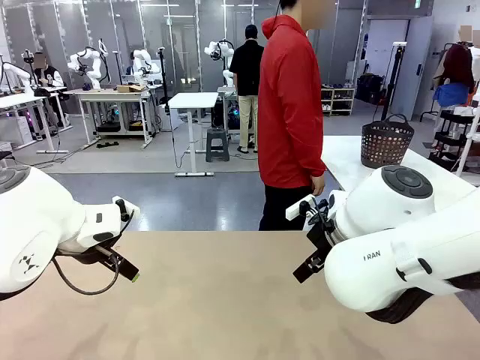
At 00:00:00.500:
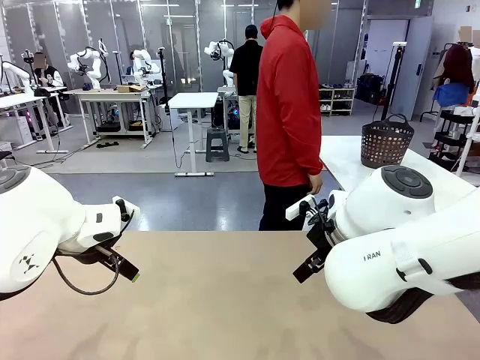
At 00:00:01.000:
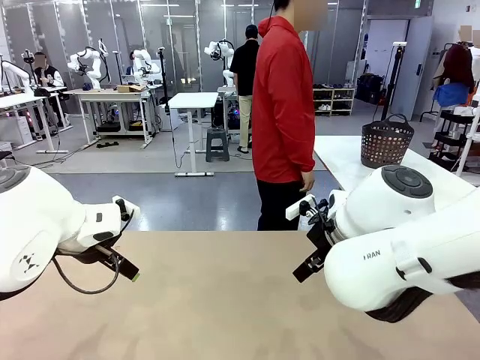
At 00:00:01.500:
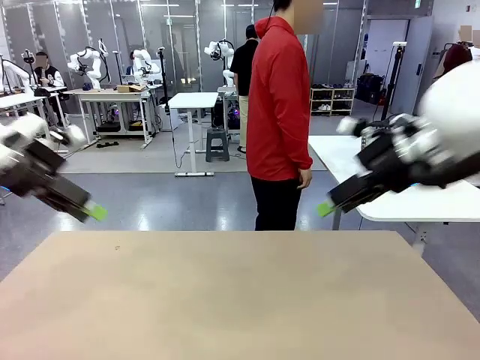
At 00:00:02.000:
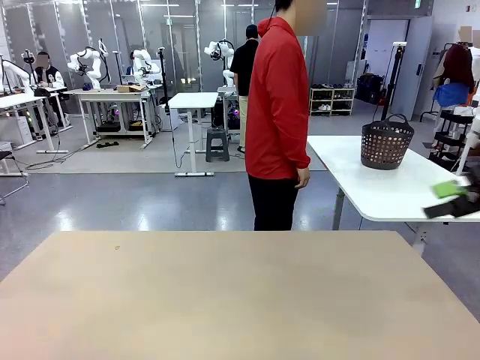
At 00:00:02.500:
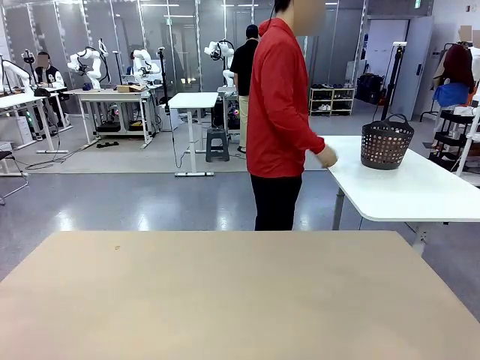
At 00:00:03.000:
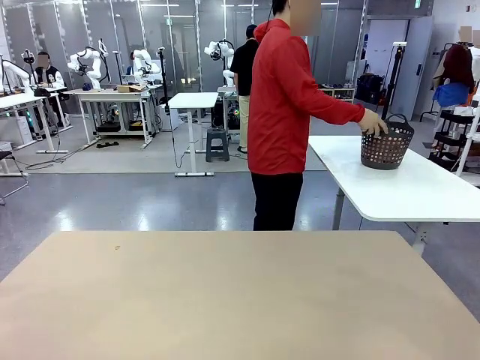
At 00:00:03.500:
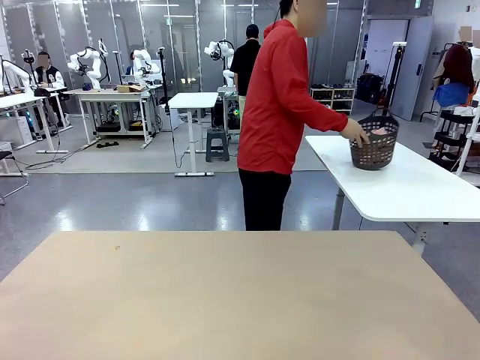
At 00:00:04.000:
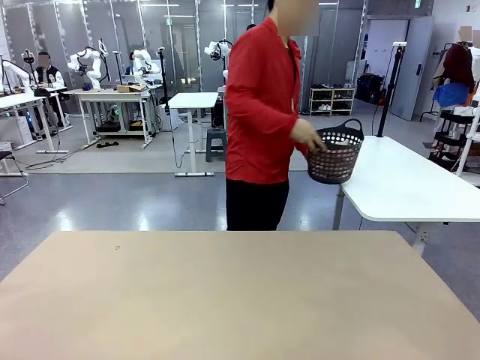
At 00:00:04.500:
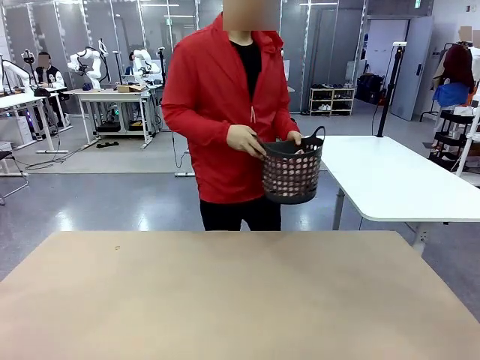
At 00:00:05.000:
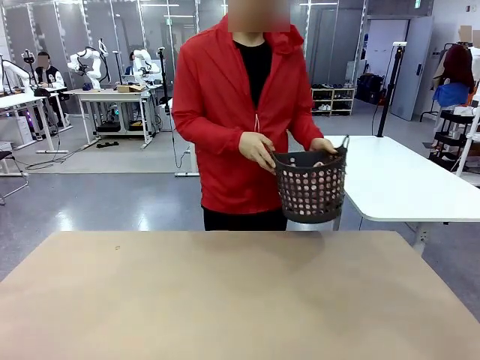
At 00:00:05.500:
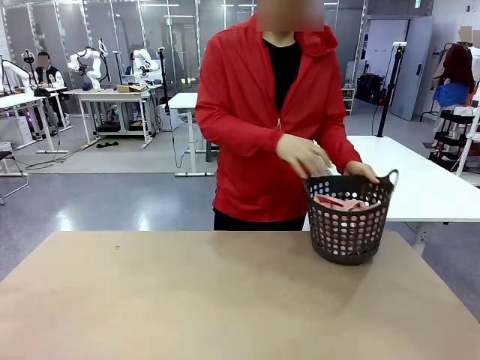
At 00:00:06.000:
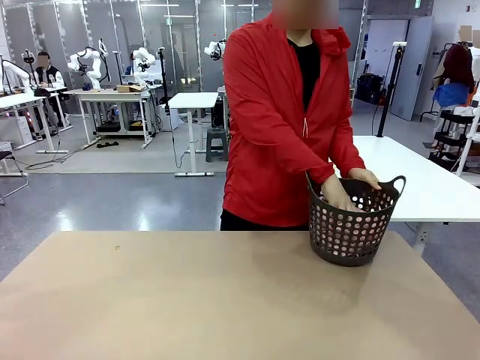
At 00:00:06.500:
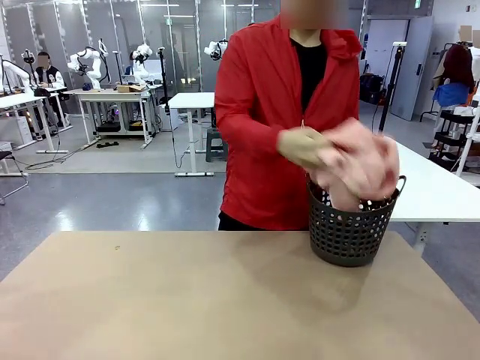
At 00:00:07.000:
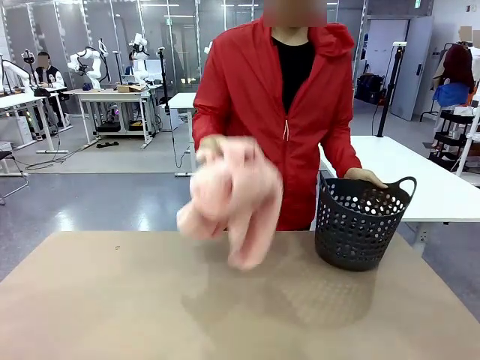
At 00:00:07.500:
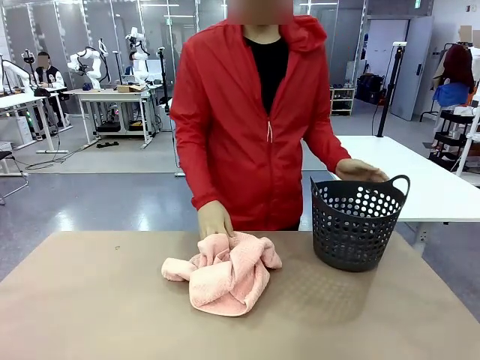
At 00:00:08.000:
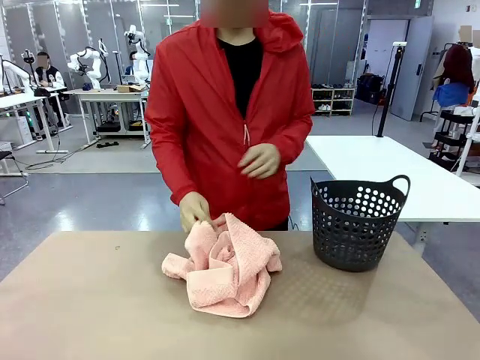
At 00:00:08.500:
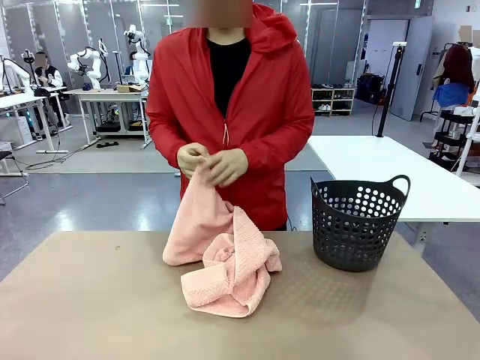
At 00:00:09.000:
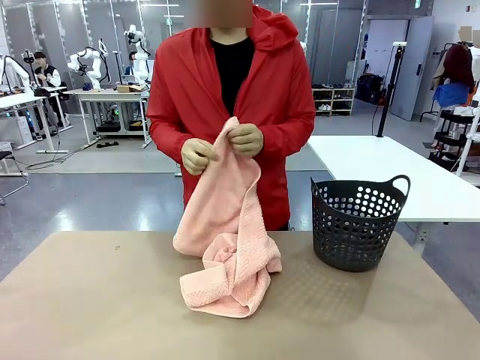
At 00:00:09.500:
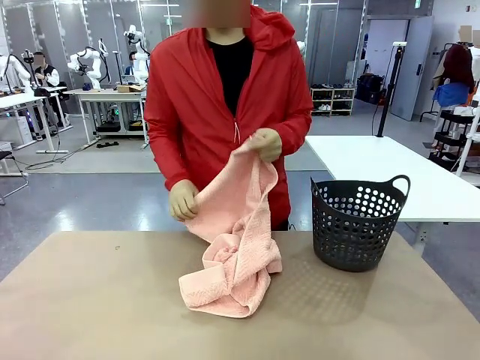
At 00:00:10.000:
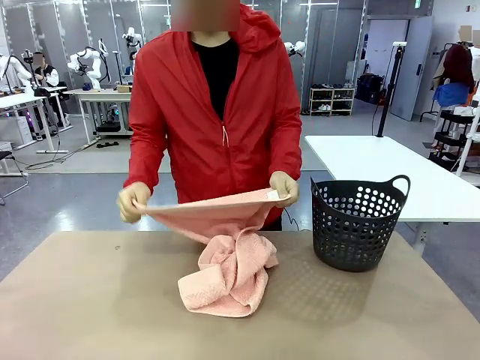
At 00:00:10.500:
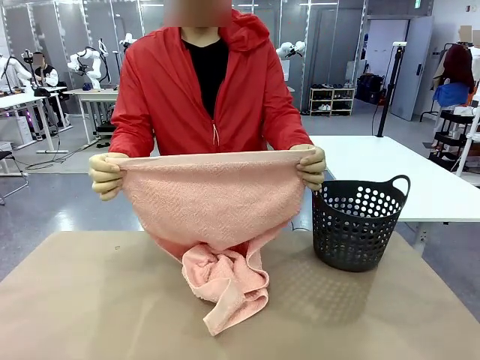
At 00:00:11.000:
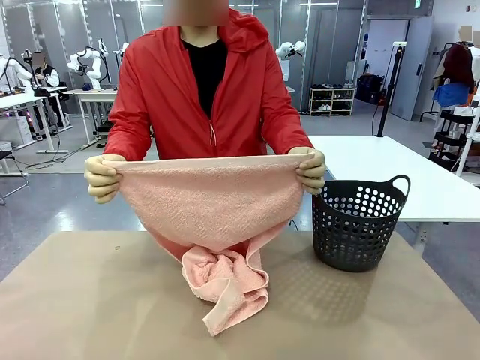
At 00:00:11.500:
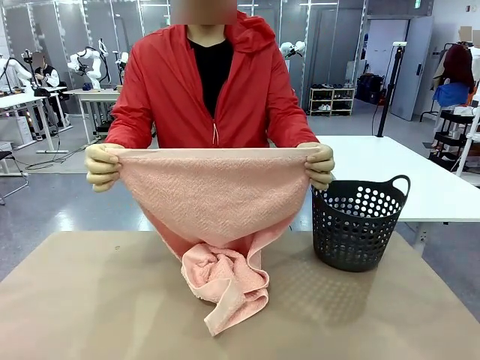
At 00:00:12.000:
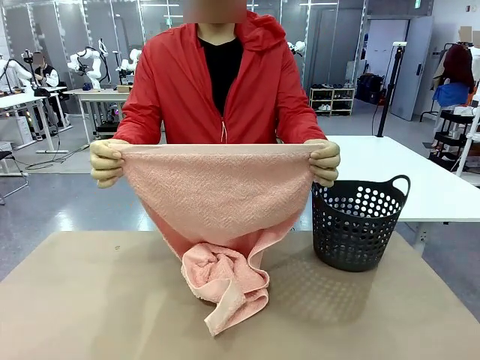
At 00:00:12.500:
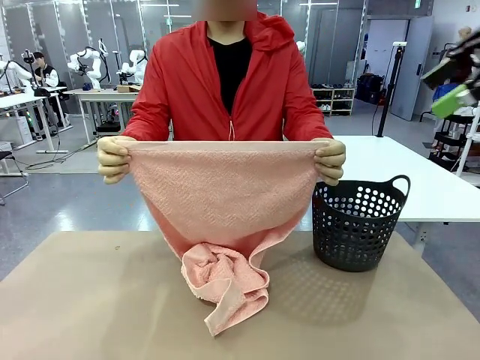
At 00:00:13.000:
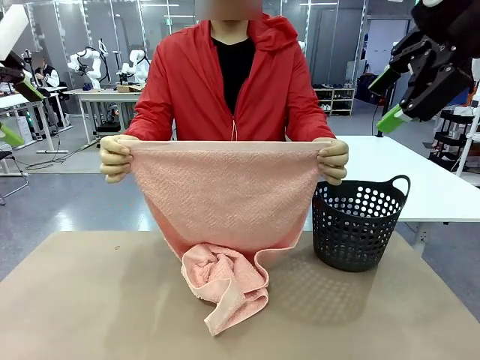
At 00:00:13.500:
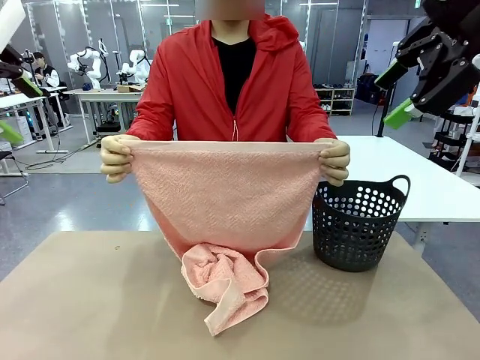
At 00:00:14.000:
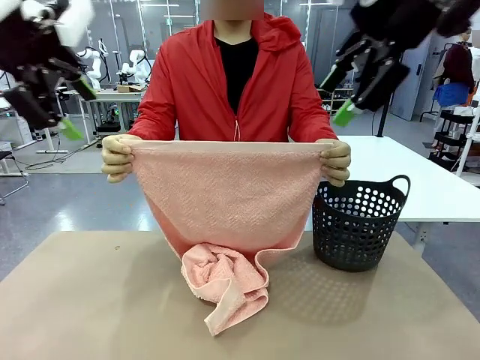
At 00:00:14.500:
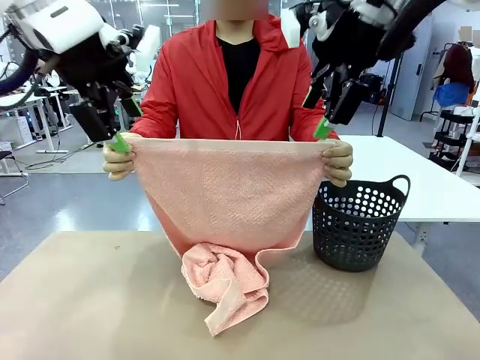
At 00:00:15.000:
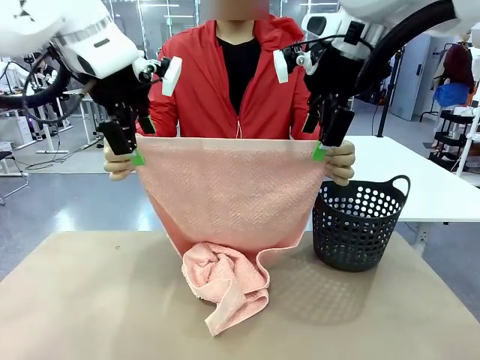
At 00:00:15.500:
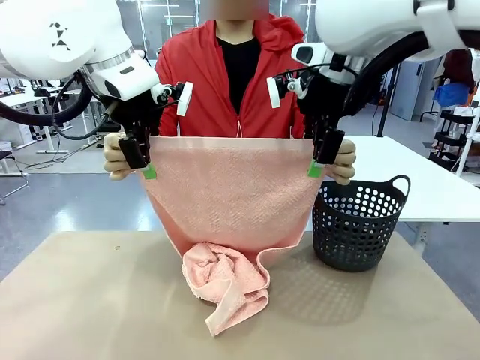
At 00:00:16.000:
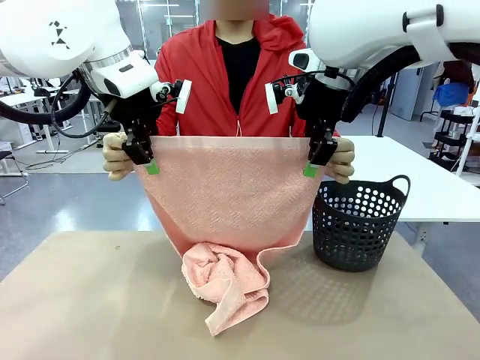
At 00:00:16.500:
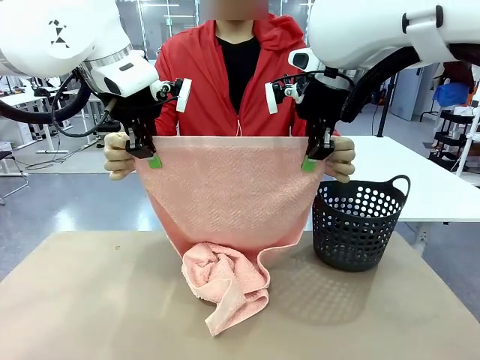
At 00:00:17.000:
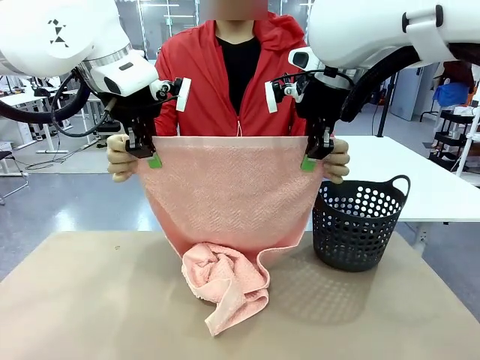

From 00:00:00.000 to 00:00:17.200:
Task: Fold the towel.
Robot: Grab the top end of the 100 cm Hotel Towel extended by the human.
Person: Pick up the laundry basket, place it on the left side of the robot table, then take out a towel and hand it to the robot while holding both corners of one end.

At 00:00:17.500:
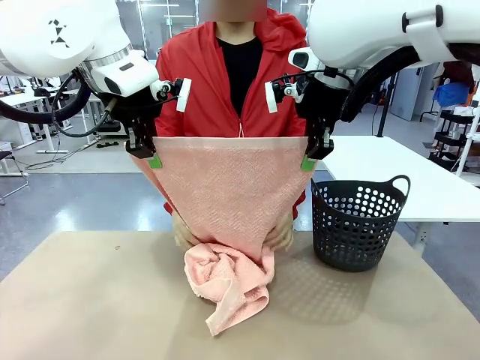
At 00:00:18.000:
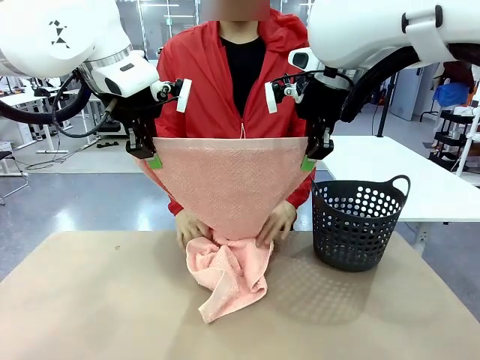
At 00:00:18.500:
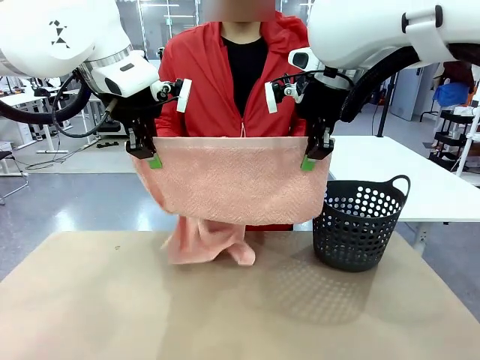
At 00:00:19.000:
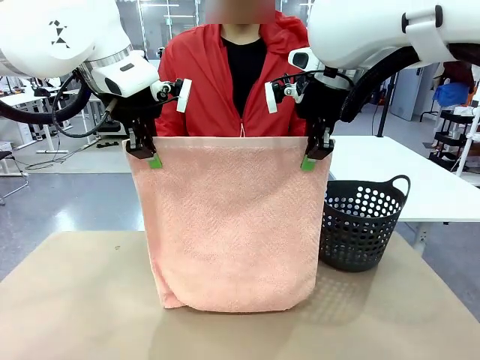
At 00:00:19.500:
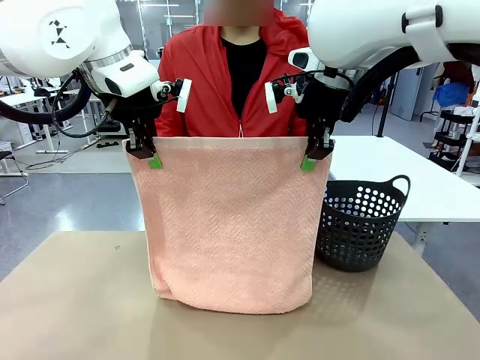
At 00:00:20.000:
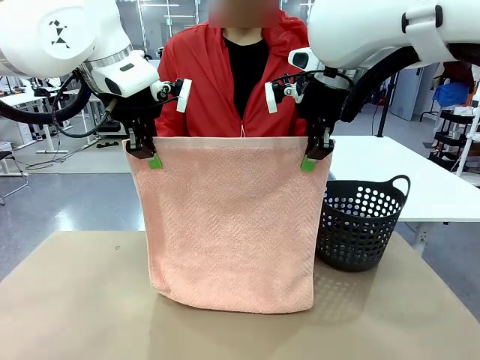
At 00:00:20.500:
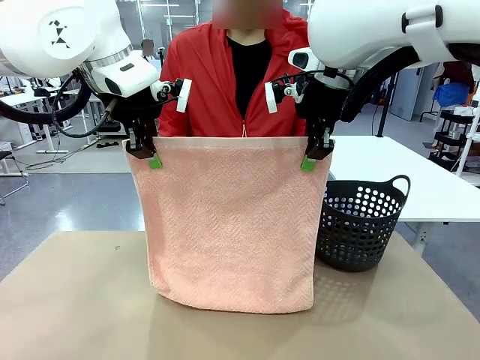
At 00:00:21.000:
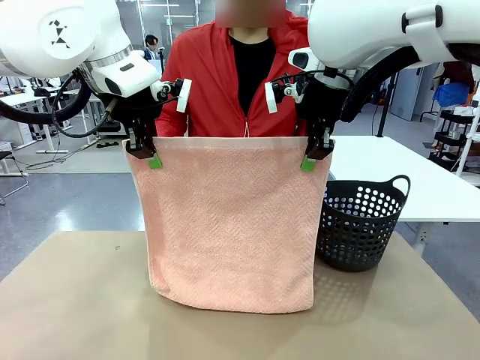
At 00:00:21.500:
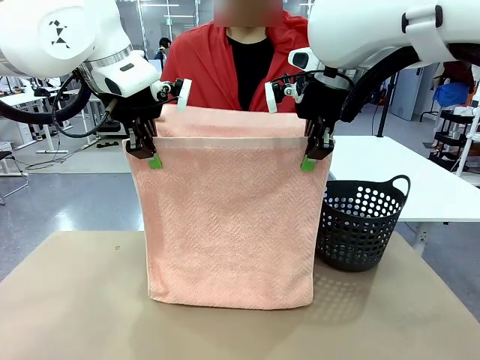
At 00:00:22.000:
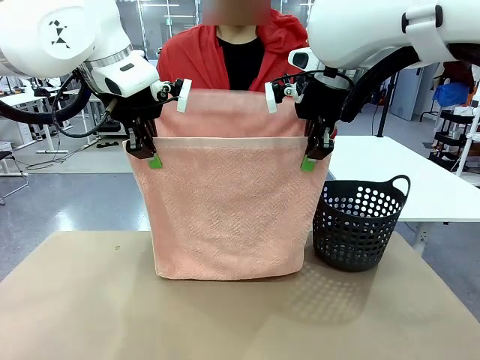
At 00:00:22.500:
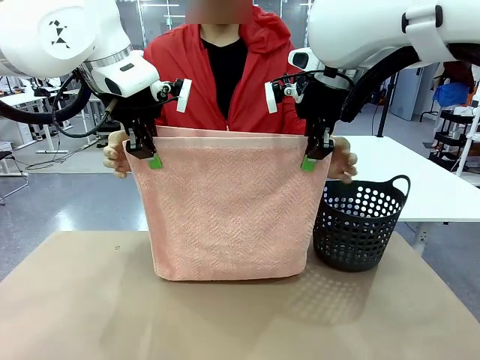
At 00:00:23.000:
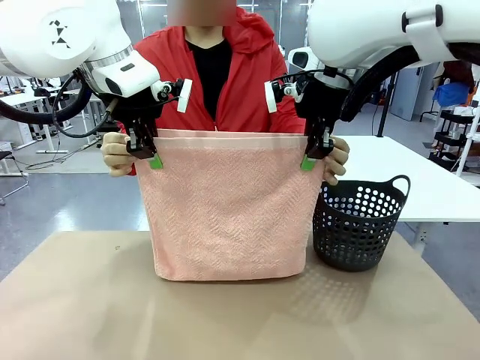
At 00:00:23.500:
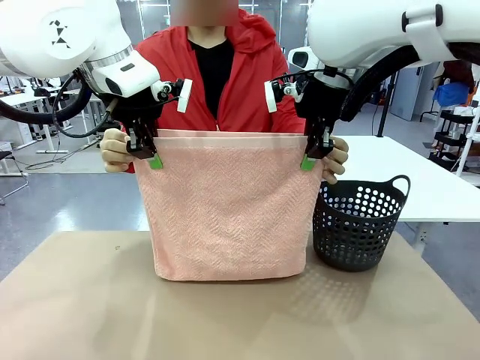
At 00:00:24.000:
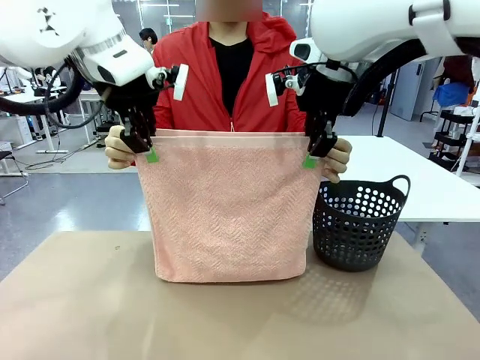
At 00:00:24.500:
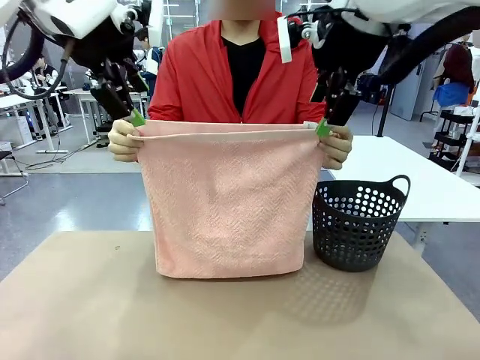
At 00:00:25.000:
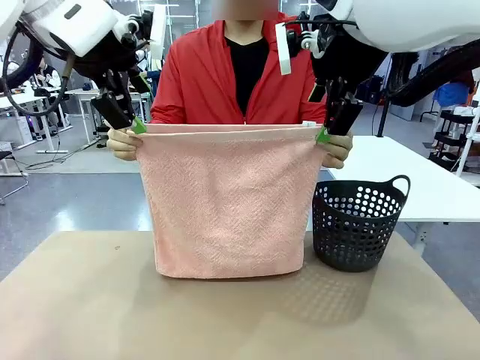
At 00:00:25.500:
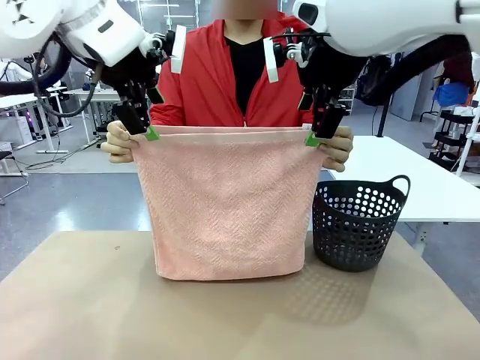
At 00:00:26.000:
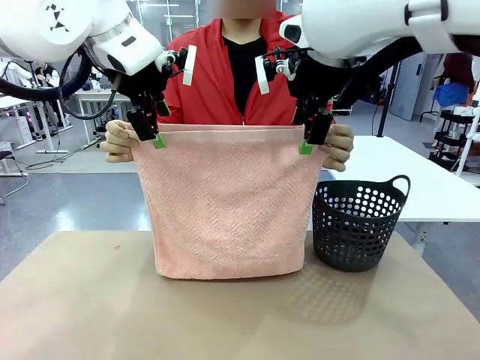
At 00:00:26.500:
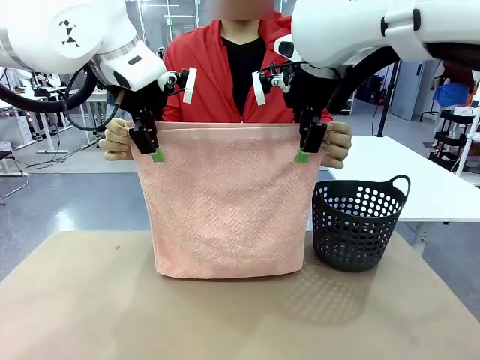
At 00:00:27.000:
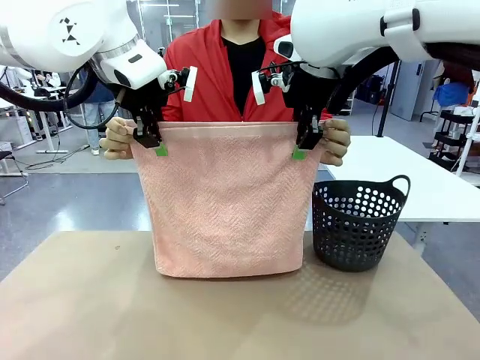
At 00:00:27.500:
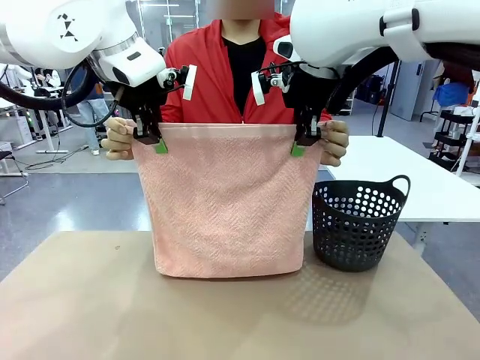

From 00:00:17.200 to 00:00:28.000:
Robot: Release the end of the 100 cm Hotel Towel you were holding and grab the top end of the folded side.
Person: Using the point held by the robot as a reference, grasp the opposite end, fold the towel in half, and then hold both ends of the folded towel.
